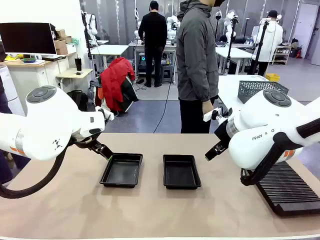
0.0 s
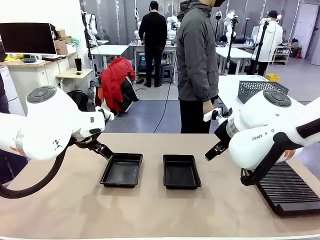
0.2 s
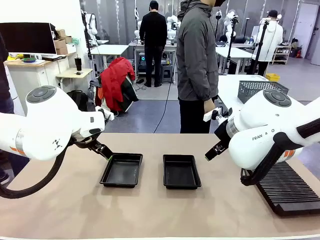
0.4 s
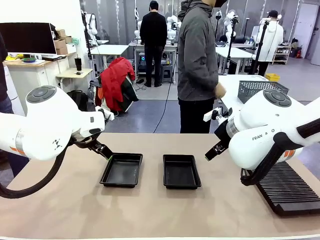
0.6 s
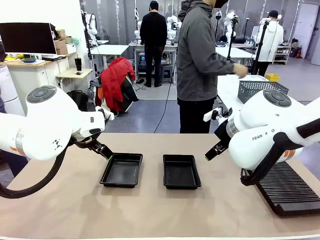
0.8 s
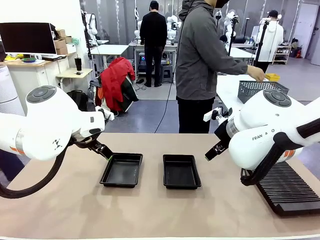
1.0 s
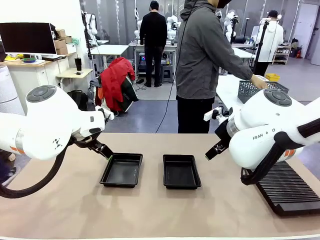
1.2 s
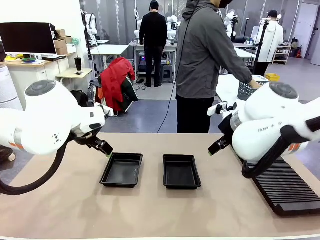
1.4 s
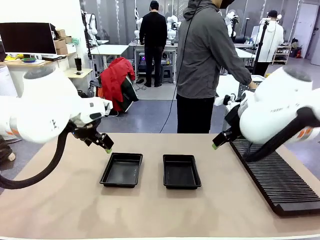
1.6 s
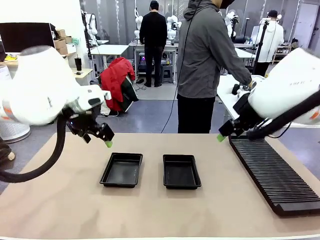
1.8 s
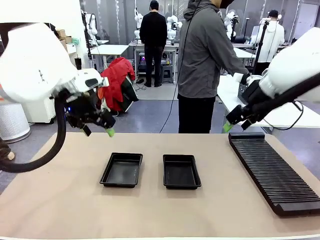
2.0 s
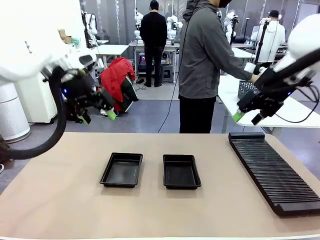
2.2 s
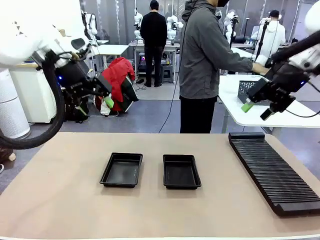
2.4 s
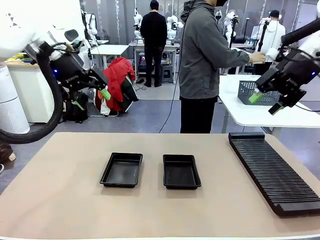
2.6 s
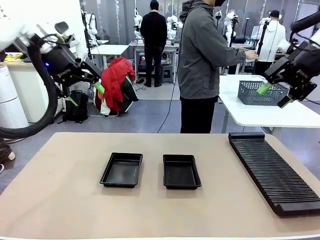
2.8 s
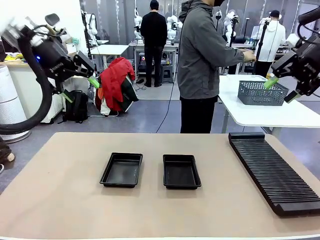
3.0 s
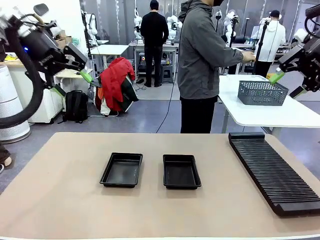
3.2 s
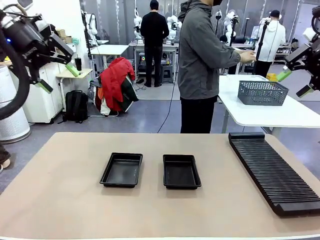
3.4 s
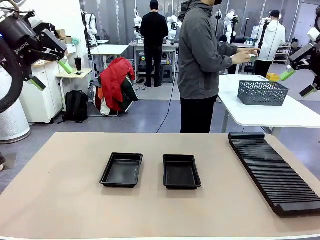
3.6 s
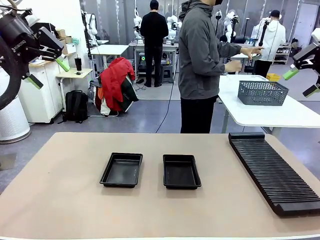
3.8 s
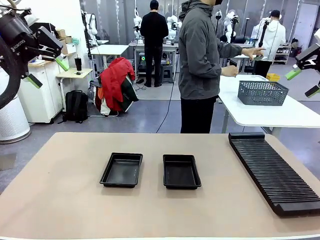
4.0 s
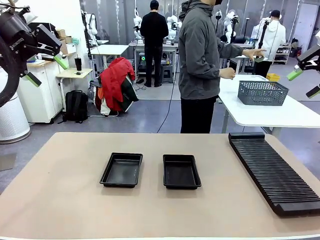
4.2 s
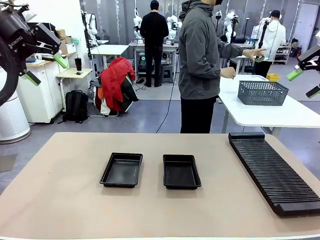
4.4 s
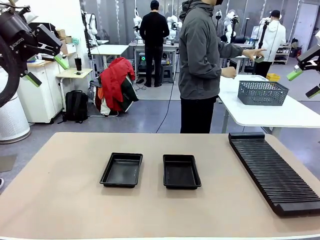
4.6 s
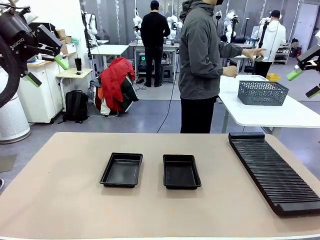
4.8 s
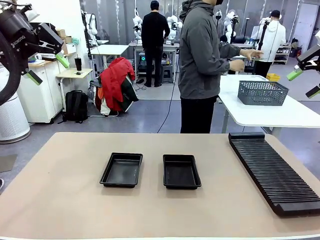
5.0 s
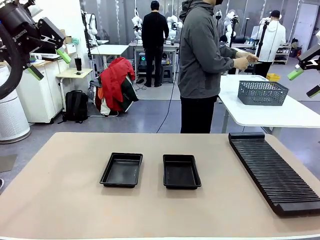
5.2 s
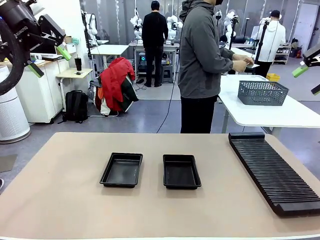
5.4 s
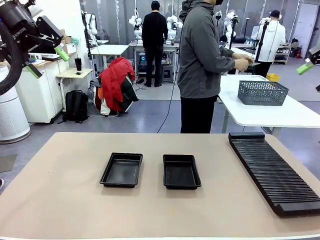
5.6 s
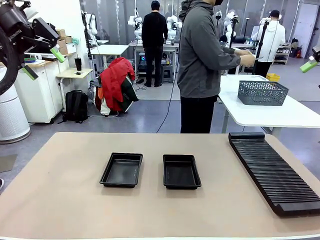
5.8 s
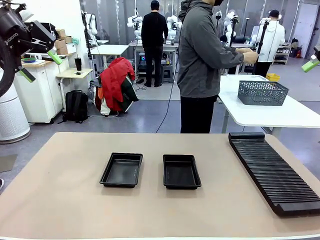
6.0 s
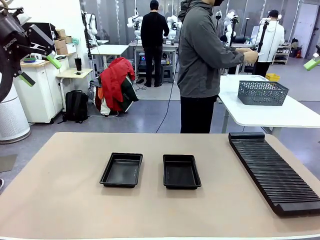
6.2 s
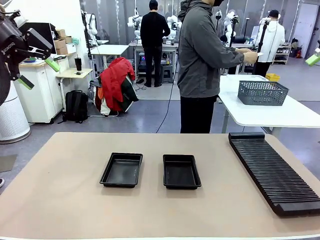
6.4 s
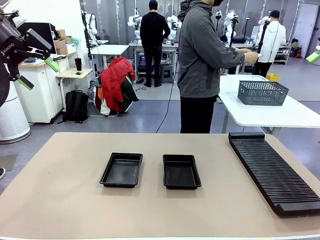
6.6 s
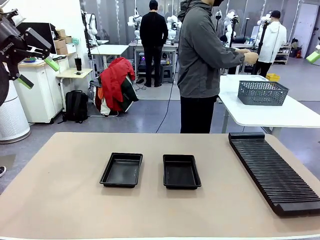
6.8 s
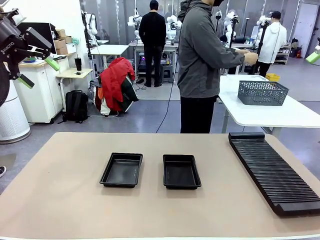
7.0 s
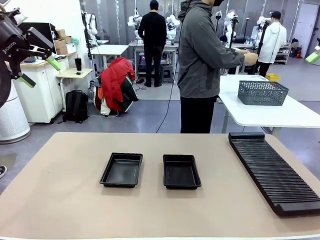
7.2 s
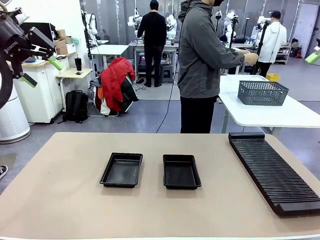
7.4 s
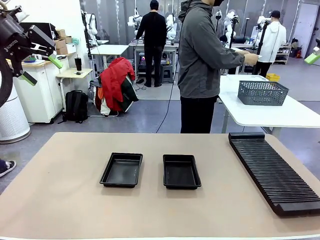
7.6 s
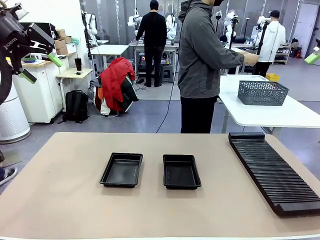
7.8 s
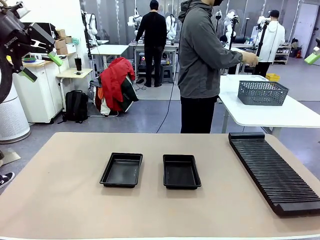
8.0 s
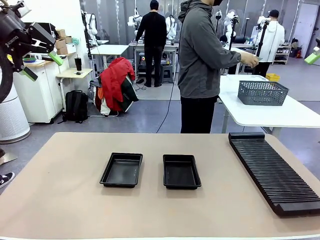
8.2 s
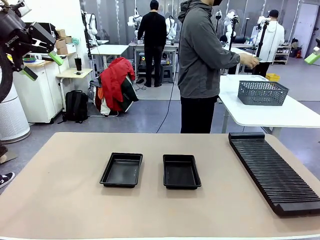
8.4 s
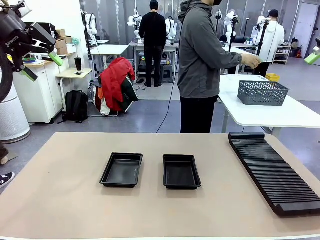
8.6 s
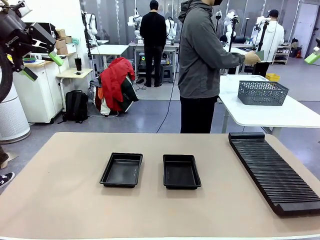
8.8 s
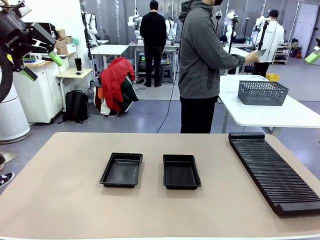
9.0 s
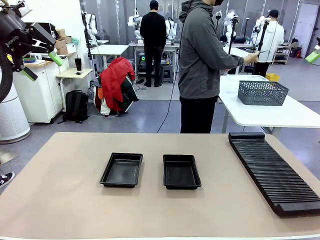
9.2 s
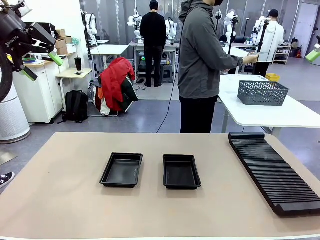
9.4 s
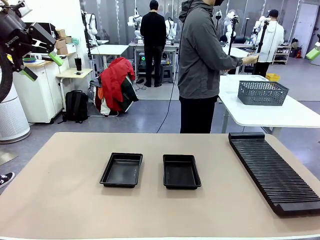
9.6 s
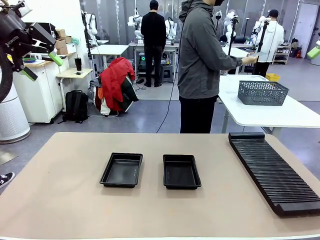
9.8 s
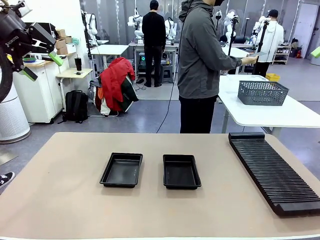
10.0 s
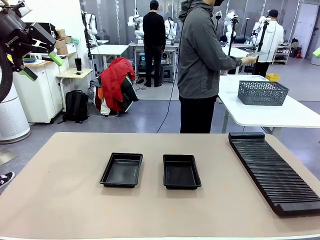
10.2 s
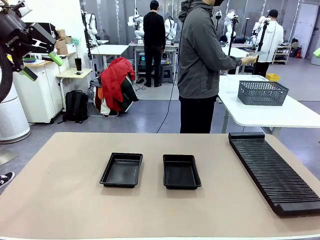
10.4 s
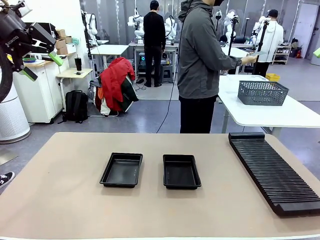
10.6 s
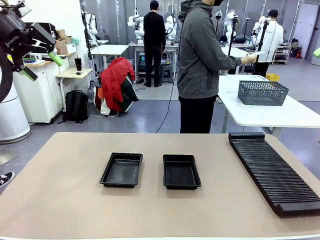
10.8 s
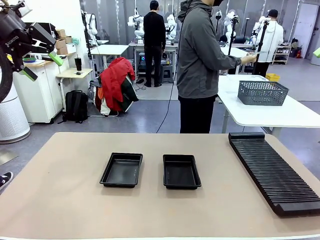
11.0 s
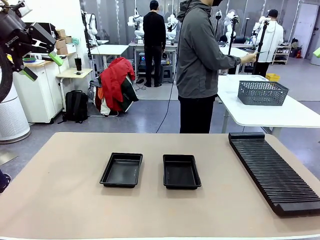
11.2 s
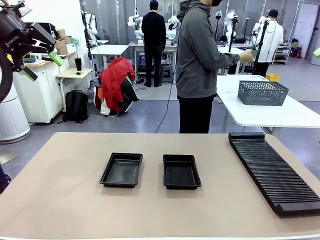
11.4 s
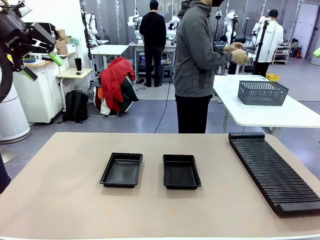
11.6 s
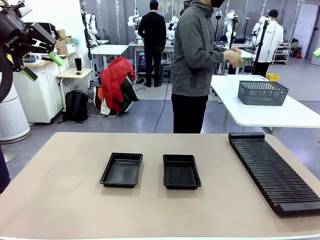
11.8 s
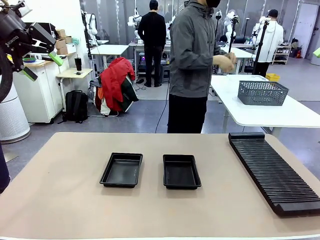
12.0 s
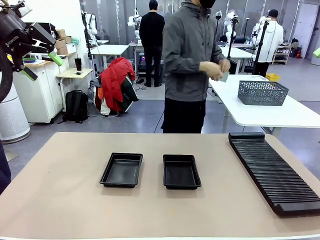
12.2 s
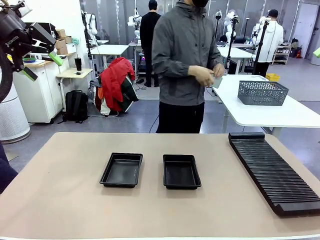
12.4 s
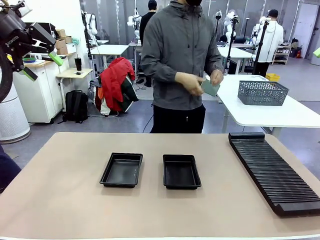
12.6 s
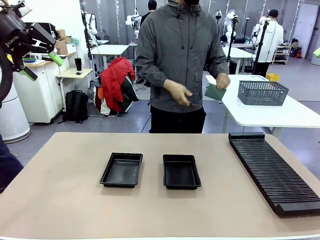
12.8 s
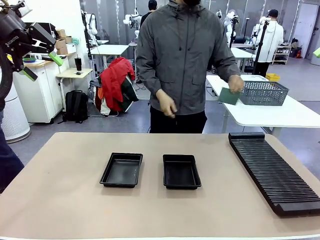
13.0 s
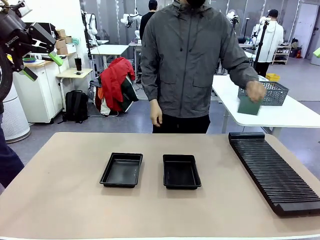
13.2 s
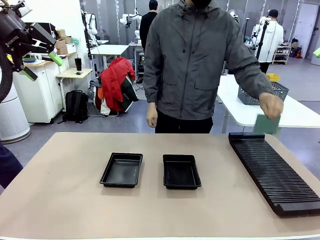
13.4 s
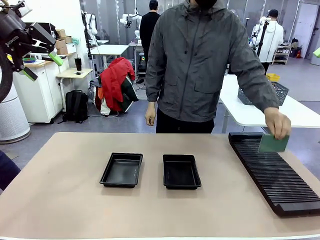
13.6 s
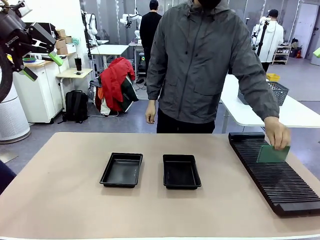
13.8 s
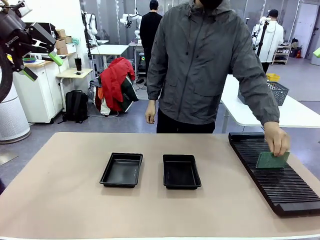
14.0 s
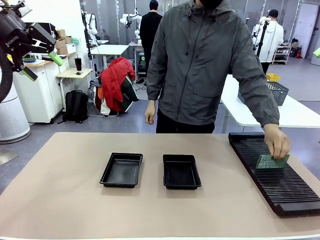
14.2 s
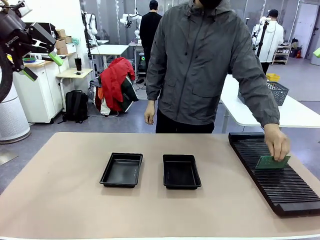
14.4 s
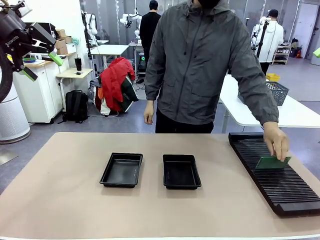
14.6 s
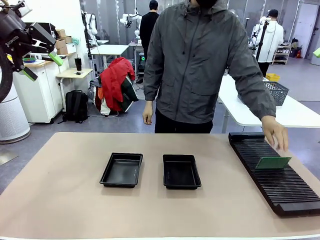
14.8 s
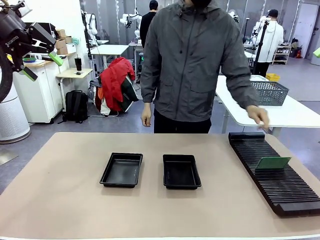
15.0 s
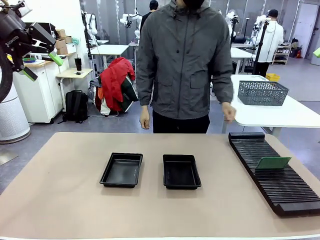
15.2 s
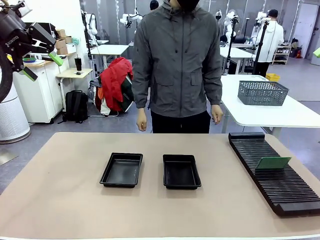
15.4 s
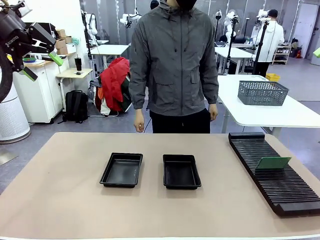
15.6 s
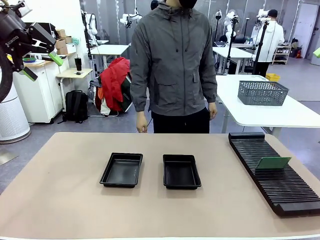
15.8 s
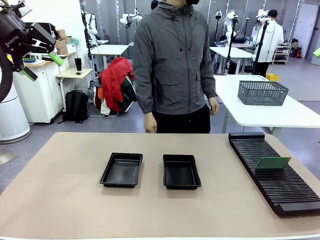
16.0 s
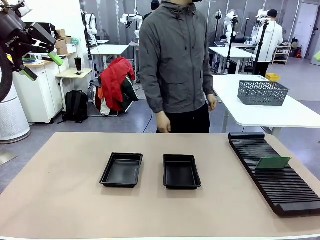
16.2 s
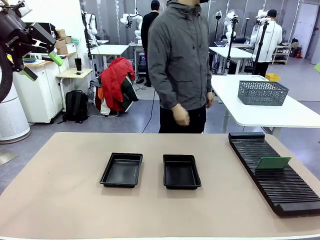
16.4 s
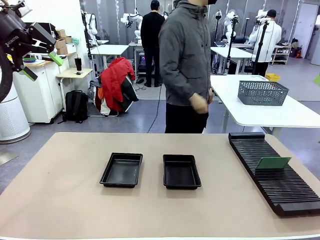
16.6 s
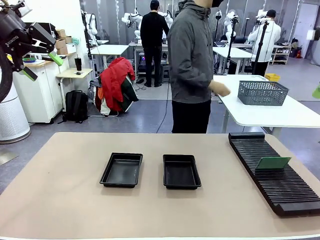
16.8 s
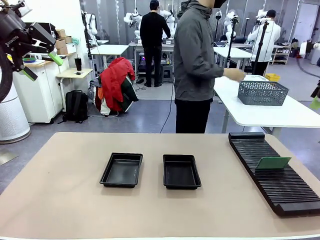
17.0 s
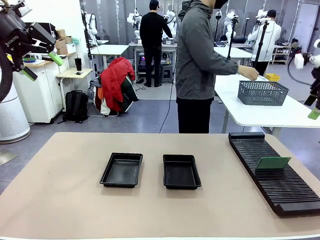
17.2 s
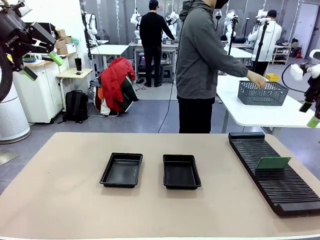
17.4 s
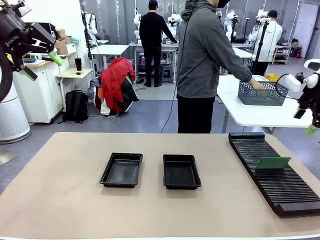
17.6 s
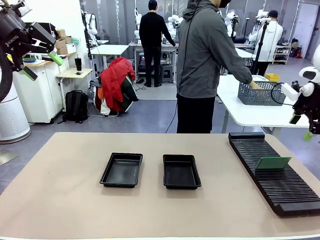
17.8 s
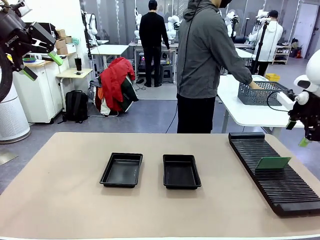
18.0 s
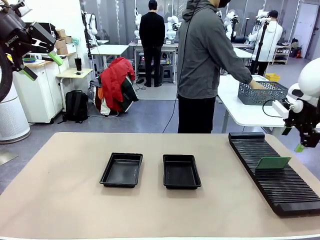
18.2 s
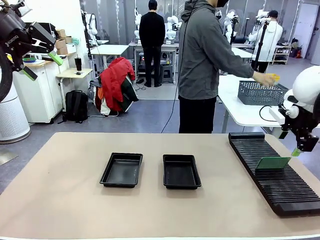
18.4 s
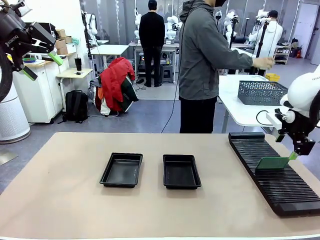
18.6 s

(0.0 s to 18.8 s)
Task: Inspect and transfer BCBs to ESD trays.
Robot: Pick up the Blank PCB from the PCB Rack and place it in the left ESD tray.
